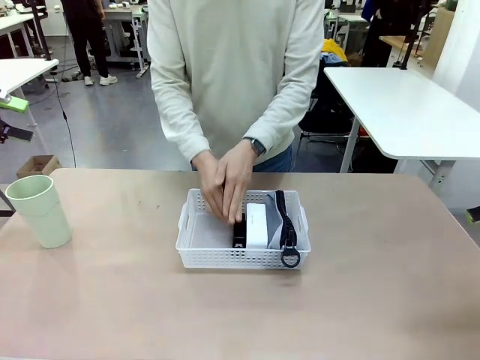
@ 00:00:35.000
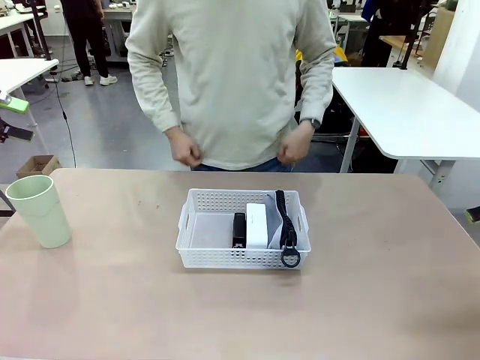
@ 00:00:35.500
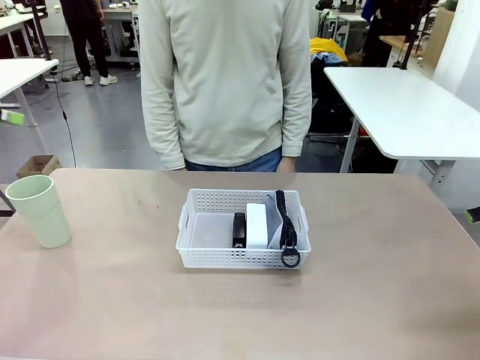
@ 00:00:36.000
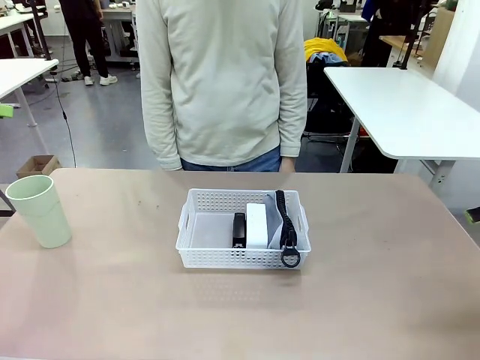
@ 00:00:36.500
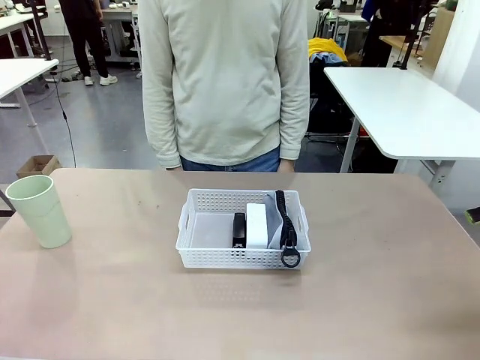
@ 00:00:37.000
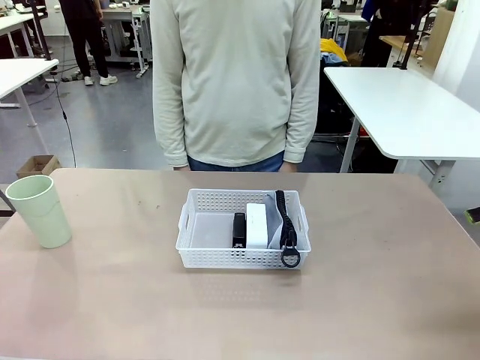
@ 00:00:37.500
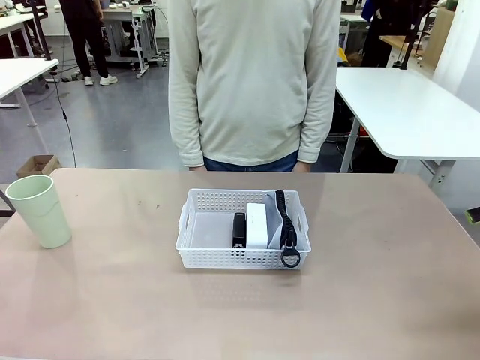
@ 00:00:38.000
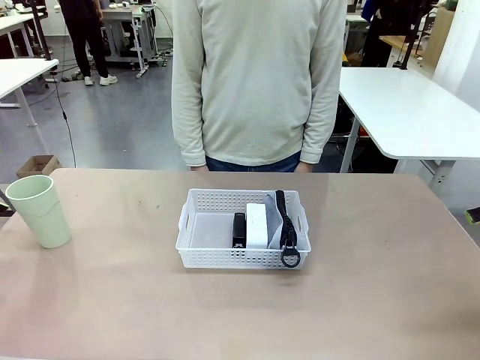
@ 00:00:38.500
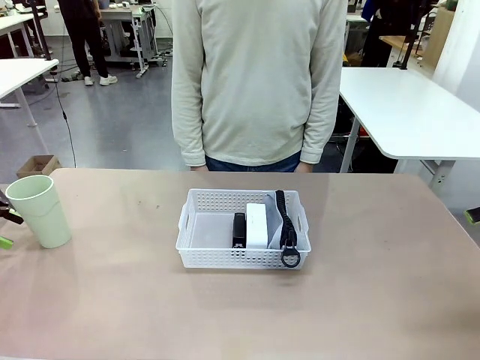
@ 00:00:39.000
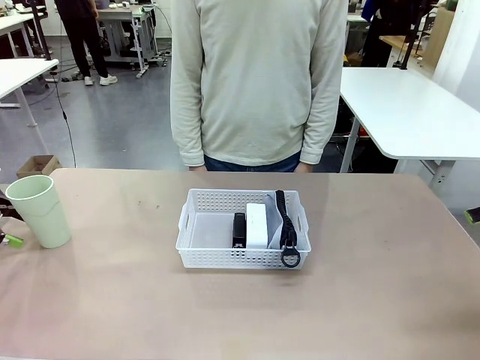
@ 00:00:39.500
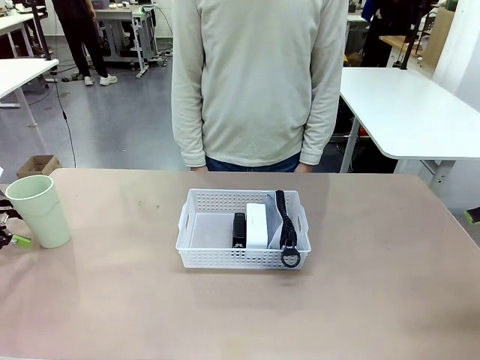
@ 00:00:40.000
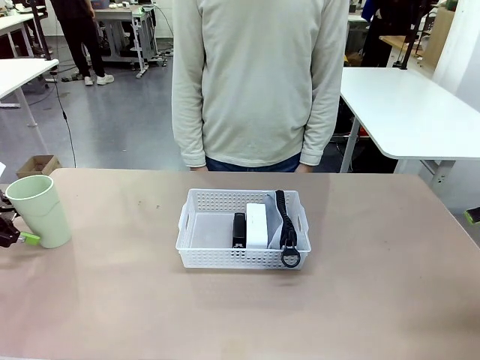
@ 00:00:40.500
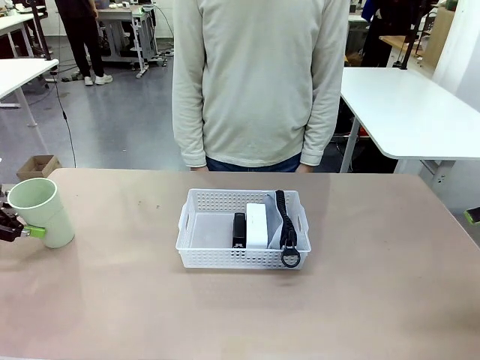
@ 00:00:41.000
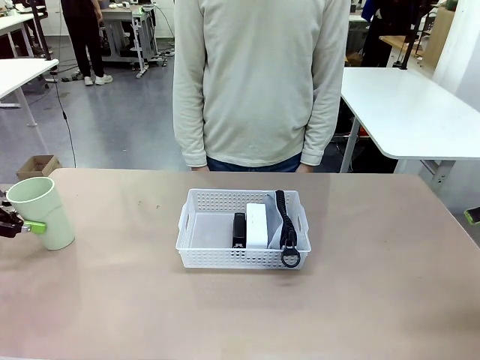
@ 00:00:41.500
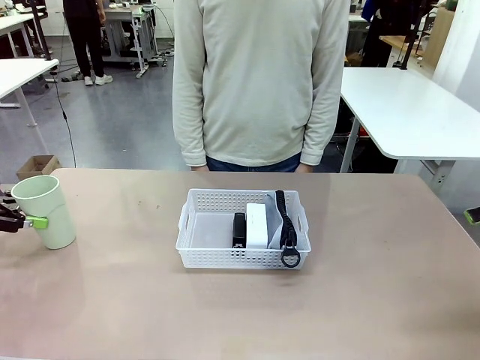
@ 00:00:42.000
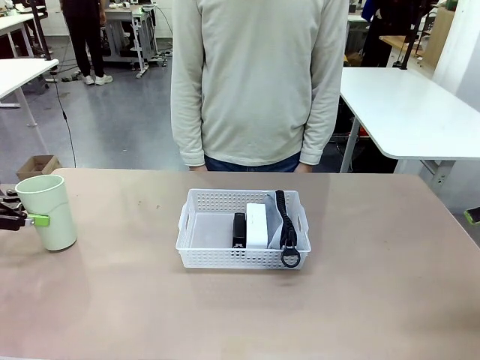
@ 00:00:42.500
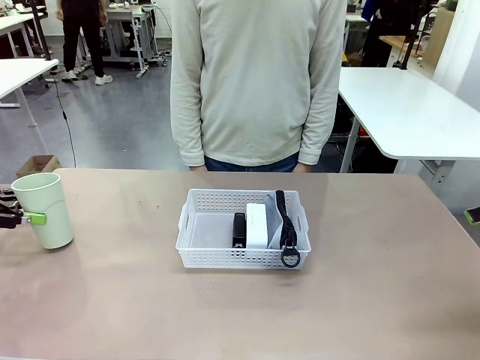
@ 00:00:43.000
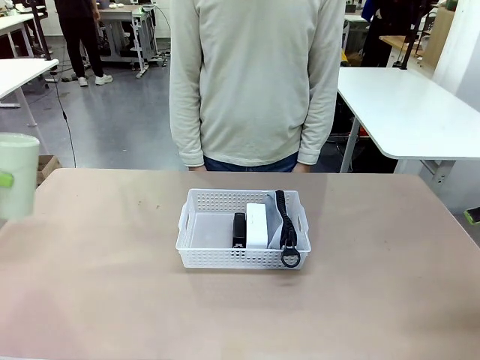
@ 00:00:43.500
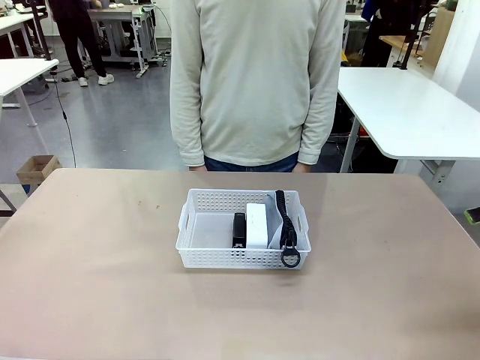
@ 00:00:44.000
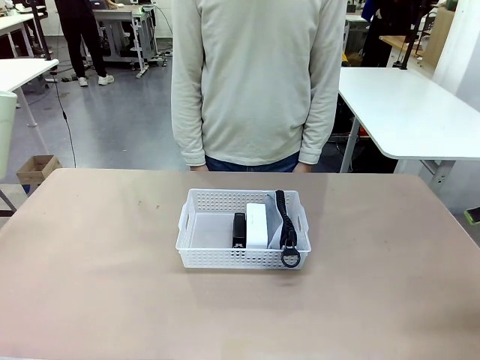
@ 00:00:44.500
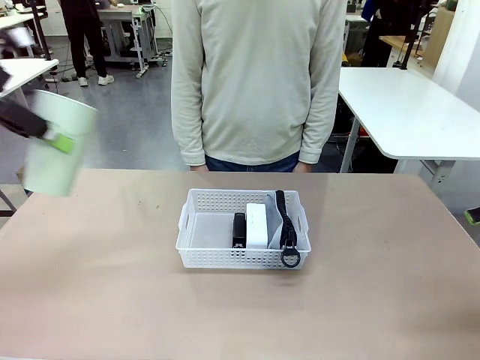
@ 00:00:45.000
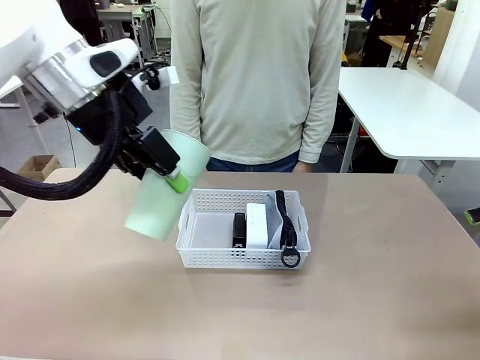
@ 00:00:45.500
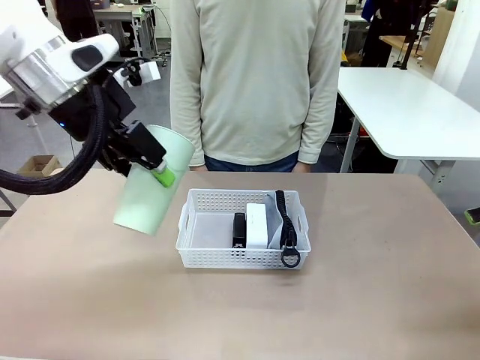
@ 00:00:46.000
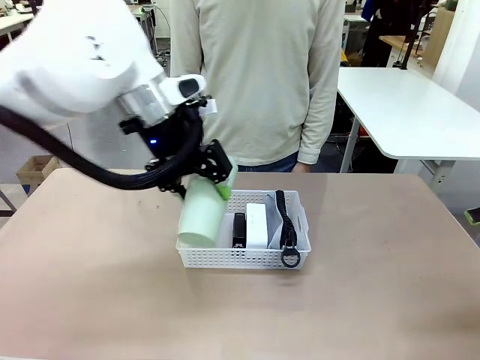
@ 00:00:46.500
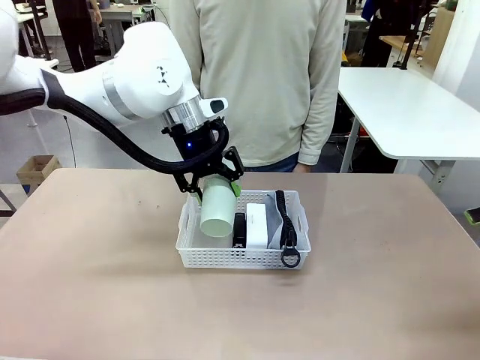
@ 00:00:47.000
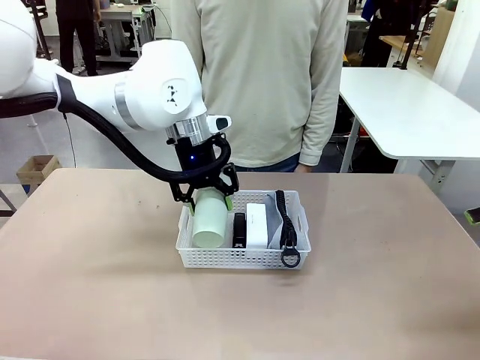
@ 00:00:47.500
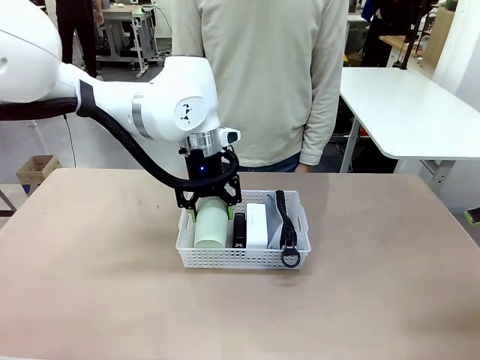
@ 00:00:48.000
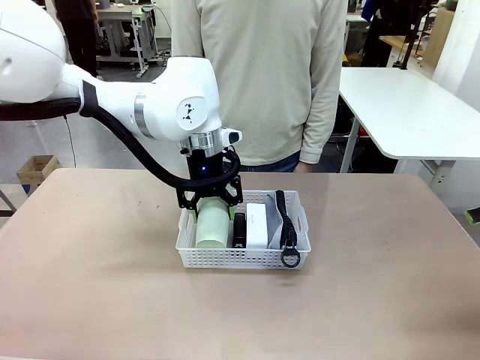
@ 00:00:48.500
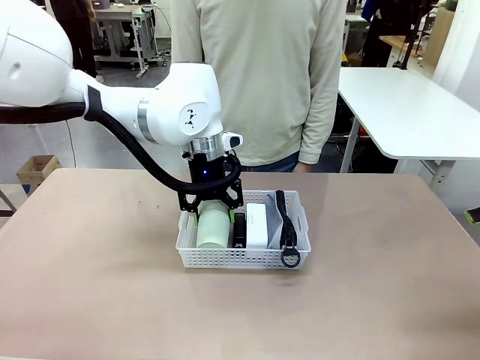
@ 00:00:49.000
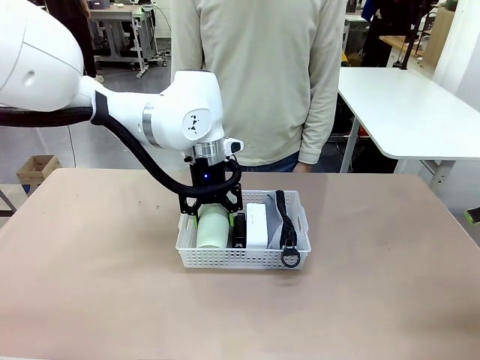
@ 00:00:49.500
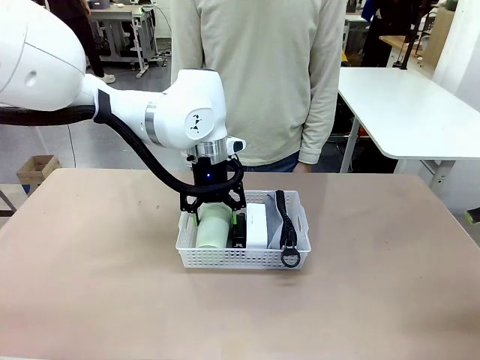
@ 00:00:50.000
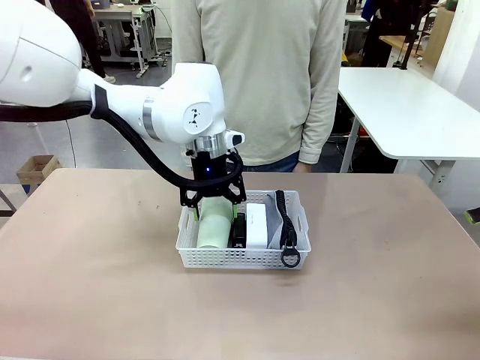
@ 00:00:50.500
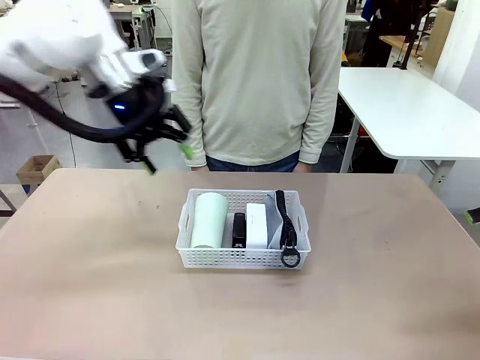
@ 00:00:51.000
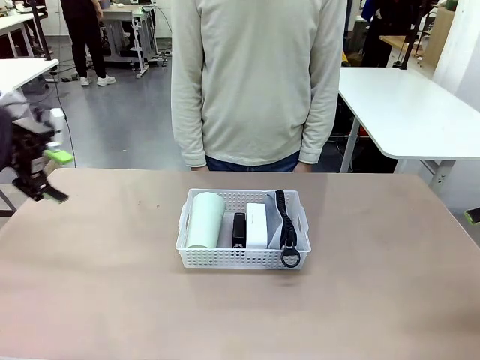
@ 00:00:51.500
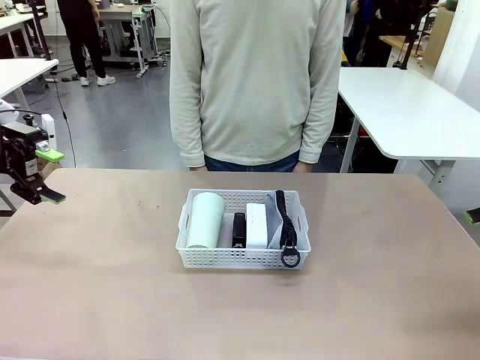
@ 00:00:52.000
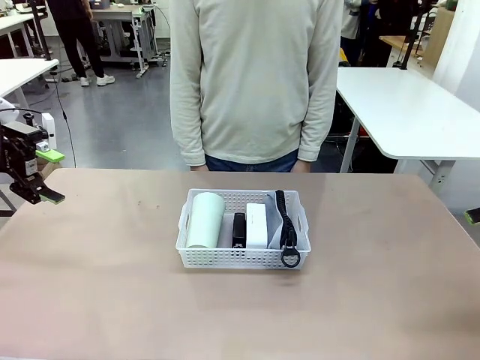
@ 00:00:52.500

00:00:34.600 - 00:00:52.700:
Task: Efficiently arrange items inside the basket to fit them all.
Robot: Pick up the Reusable plastic cup and place it inside the Organizing basket.
Person: Repositions the stapler.
